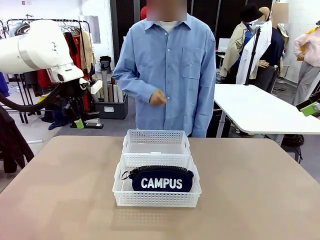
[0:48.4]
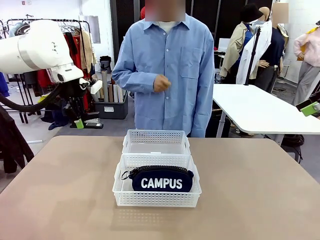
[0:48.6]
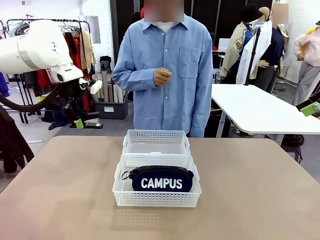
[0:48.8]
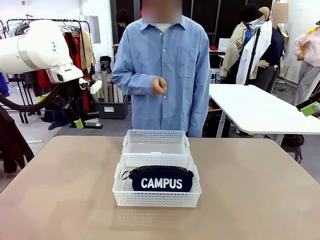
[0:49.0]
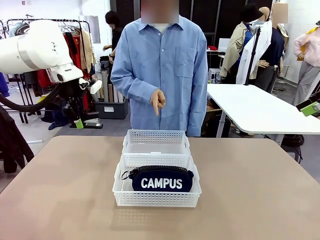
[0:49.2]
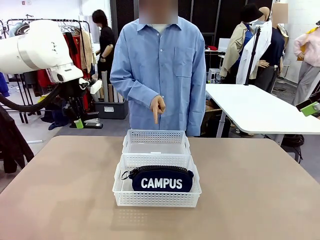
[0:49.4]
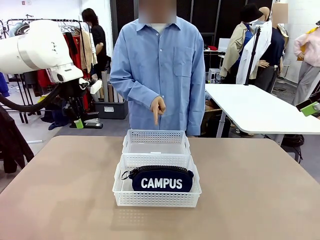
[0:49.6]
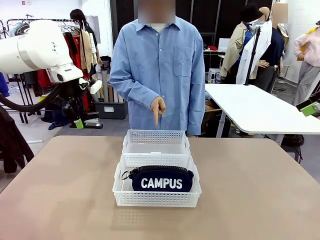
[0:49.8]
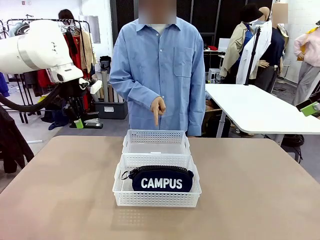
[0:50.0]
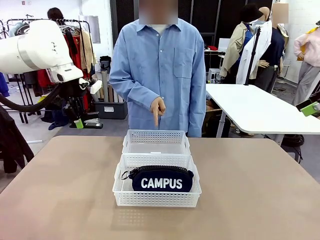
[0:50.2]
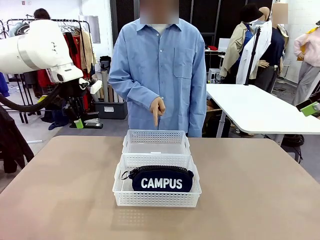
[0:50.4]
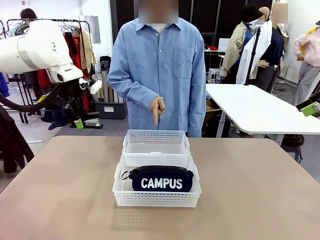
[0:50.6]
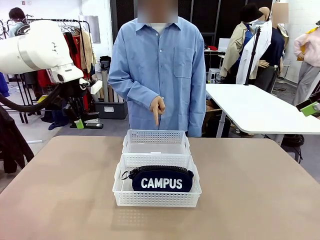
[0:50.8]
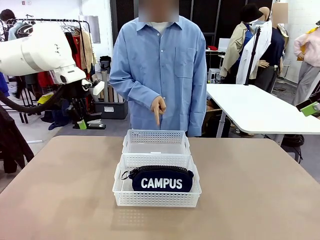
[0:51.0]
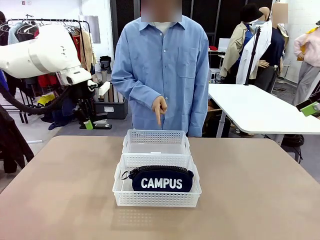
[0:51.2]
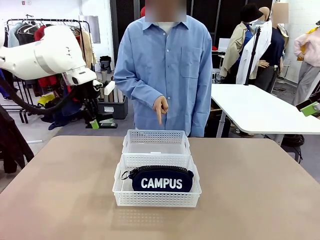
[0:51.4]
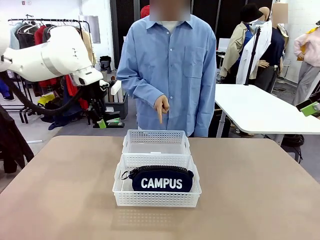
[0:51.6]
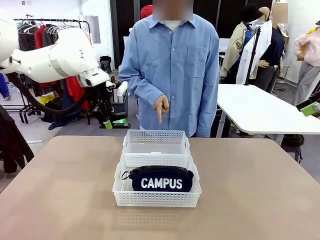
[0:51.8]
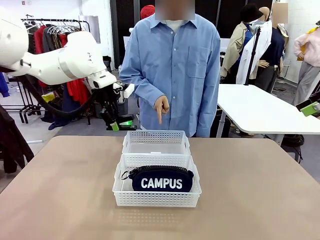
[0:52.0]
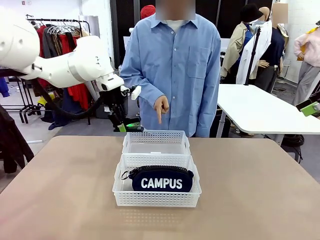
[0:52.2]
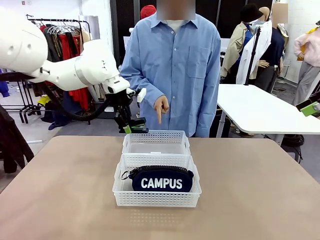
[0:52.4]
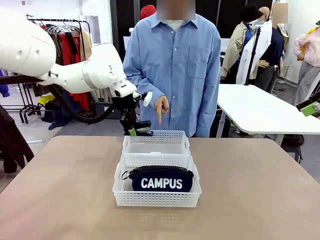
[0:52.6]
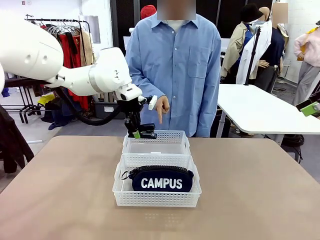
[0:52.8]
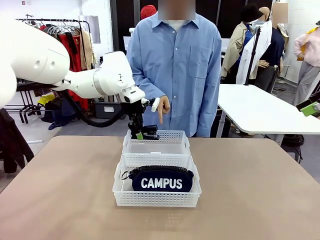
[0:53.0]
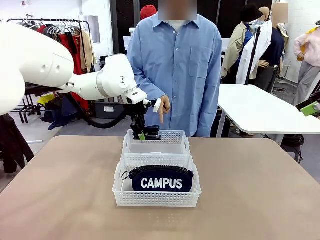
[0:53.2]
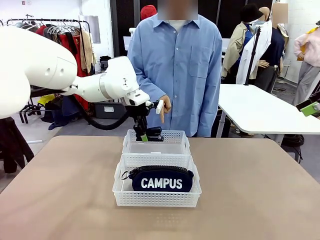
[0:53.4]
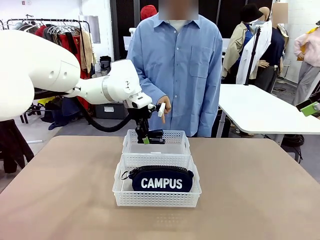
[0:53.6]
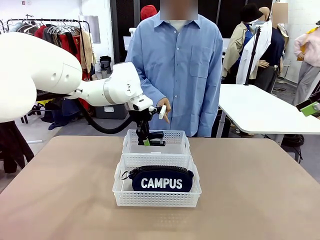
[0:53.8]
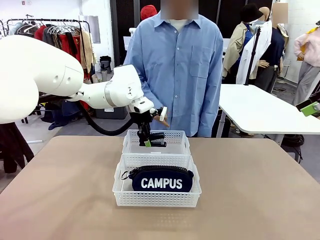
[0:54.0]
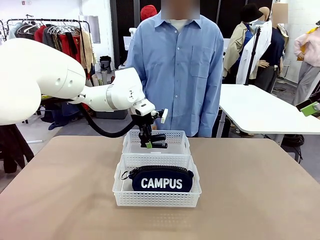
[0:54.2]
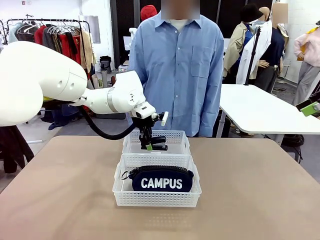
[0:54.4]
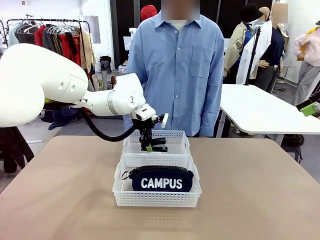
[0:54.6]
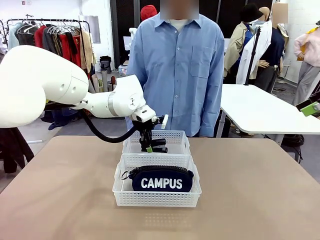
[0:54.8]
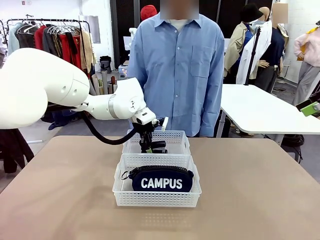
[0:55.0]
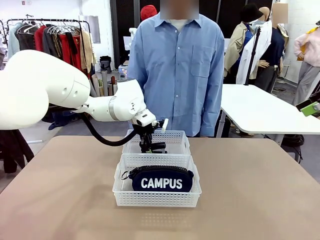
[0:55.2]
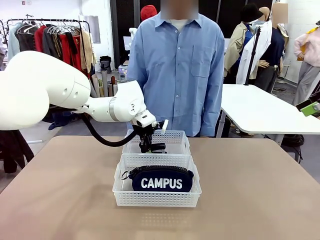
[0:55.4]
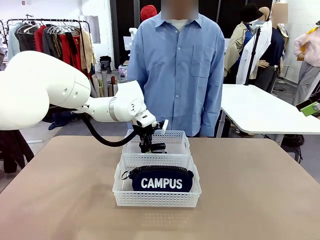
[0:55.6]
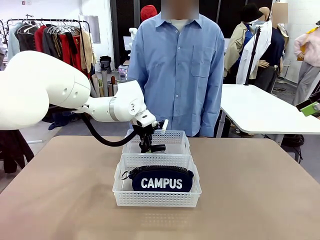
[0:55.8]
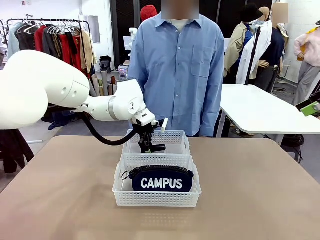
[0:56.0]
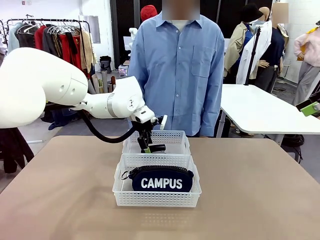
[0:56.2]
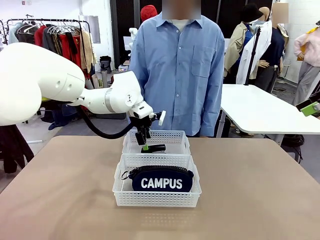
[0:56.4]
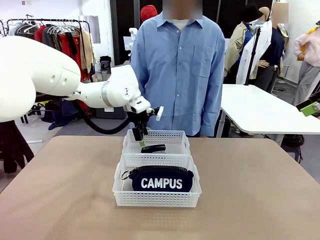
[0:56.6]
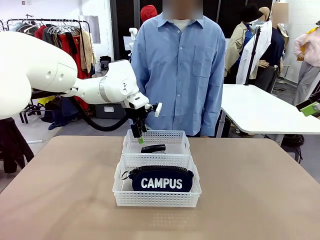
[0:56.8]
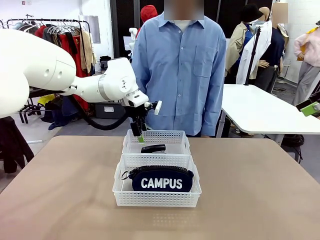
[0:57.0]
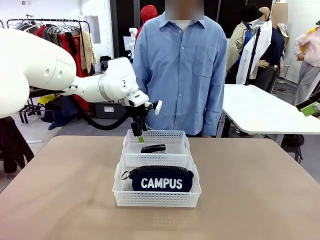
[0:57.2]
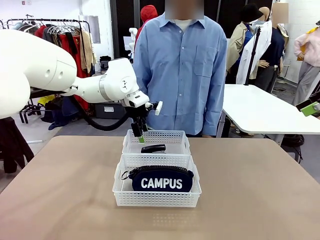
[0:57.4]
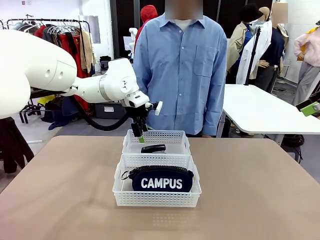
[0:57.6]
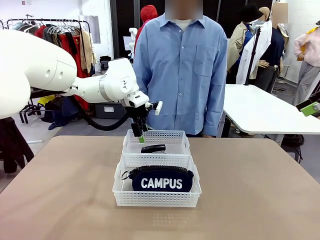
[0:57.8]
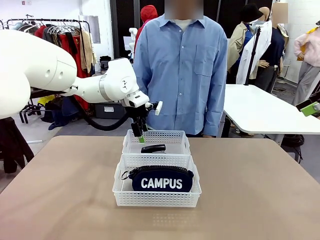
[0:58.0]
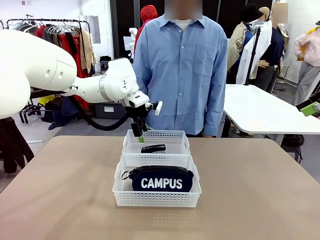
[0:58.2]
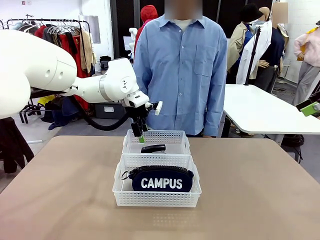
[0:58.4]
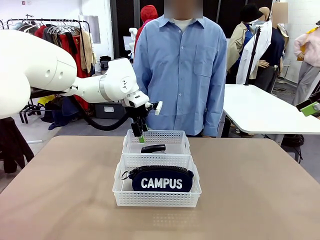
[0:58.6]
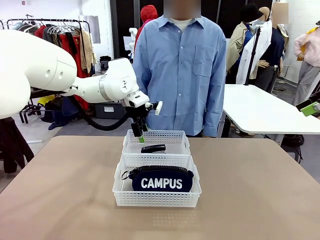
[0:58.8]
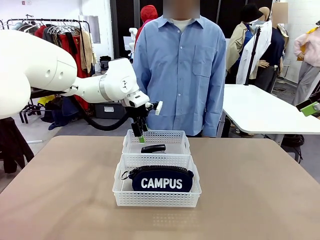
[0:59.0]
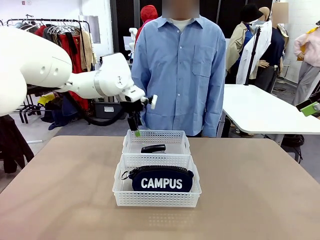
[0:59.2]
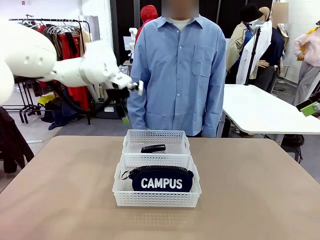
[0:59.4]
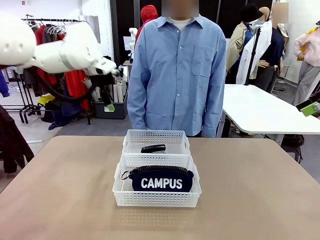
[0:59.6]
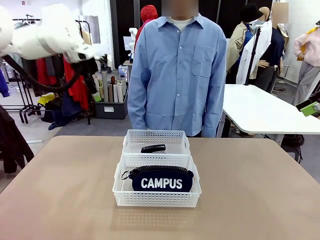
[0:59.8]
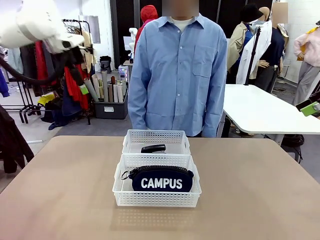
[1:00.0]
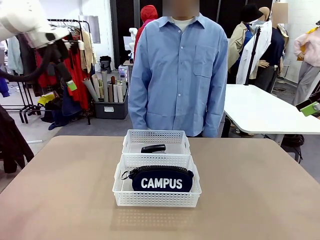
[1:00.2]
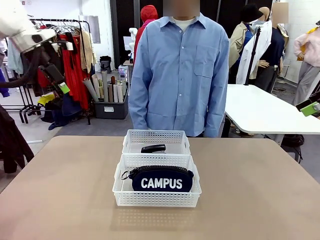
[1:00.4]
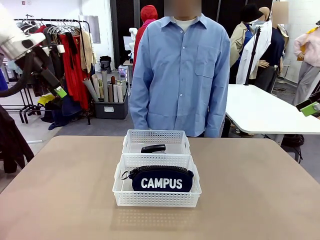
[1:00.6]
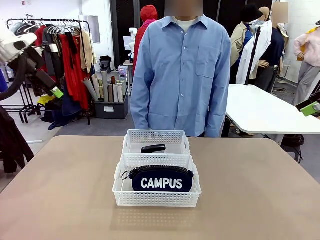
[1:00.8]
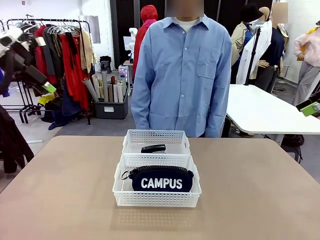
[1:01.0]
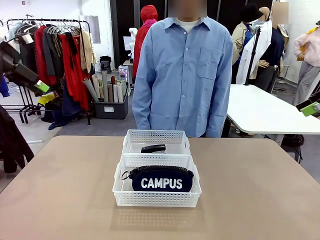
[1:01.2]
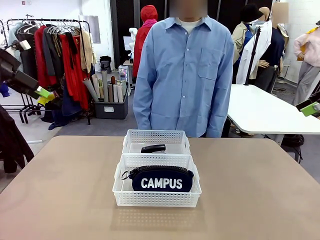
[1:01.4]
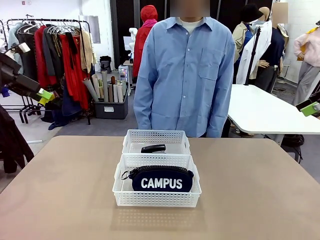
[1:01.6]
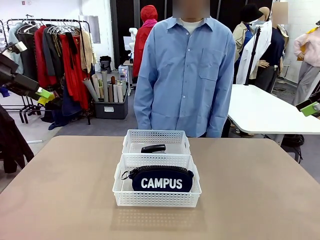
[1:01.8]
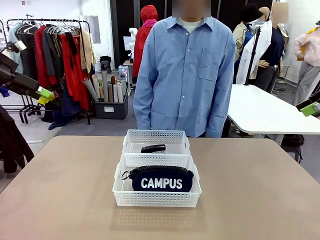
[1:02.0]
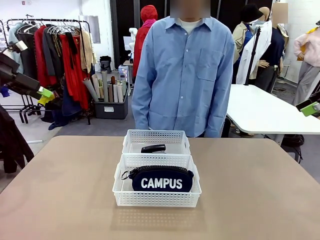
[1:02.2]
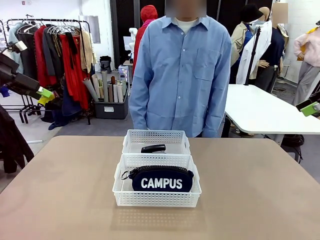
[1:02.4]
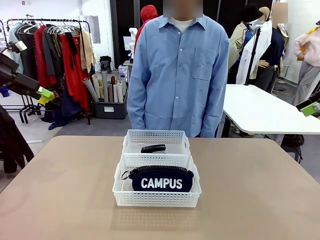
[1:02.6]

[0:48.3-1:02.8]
Task: Distribute items into two baskets.
Robot: Place the picked Stapler into the Organizing basket as instructed by the person.
Person: Points to the basket that does not contain the pencil case and instructs the robot to move the stapler there.

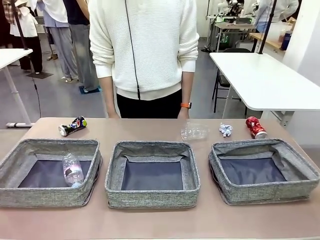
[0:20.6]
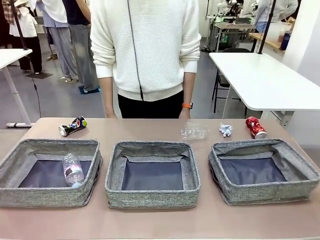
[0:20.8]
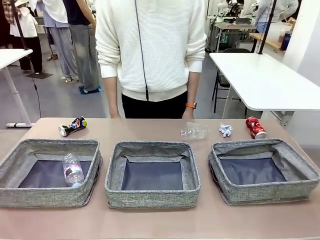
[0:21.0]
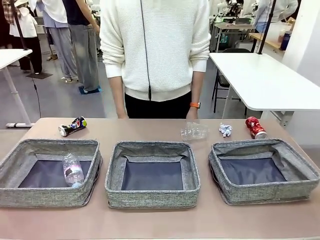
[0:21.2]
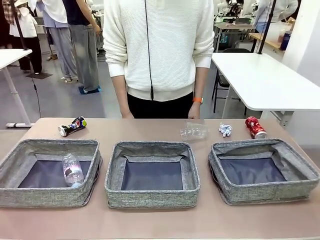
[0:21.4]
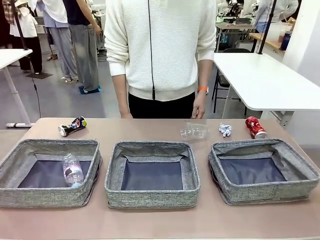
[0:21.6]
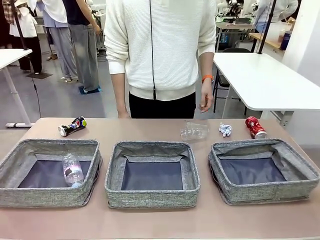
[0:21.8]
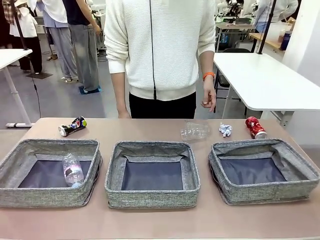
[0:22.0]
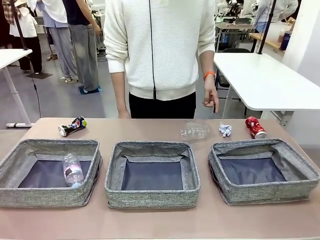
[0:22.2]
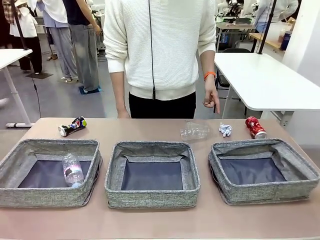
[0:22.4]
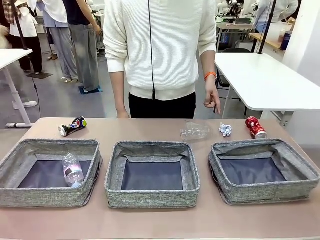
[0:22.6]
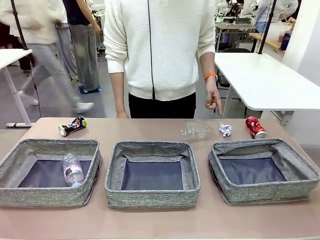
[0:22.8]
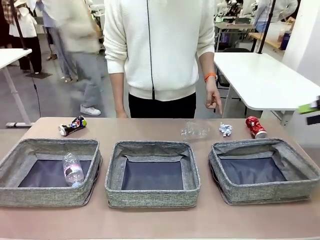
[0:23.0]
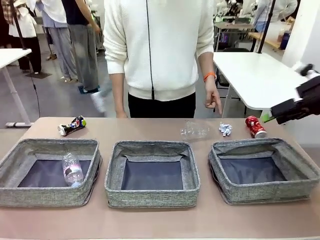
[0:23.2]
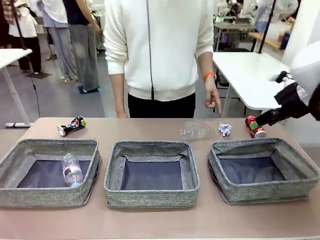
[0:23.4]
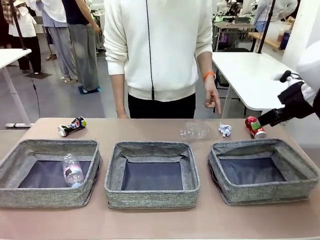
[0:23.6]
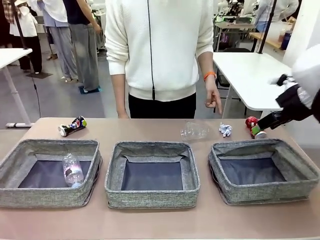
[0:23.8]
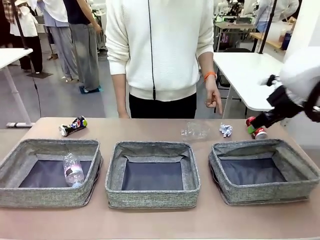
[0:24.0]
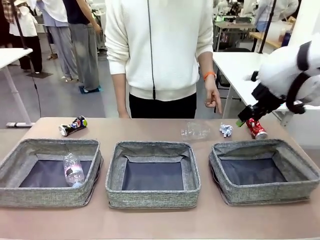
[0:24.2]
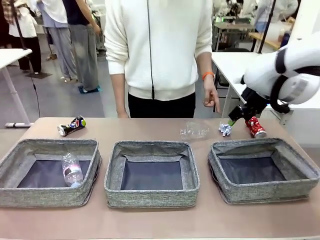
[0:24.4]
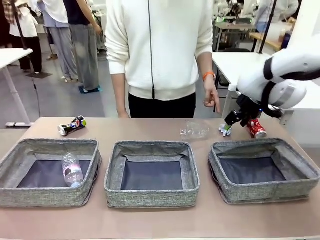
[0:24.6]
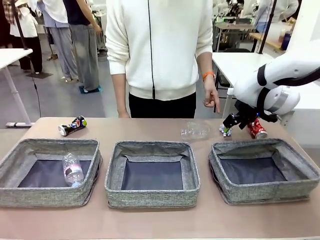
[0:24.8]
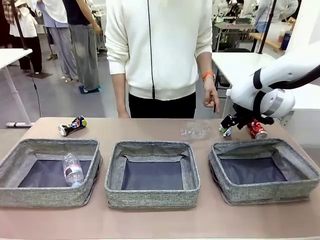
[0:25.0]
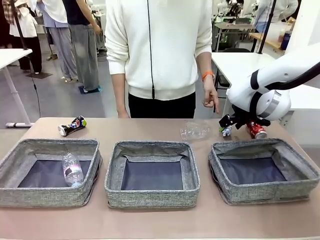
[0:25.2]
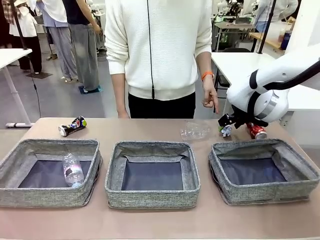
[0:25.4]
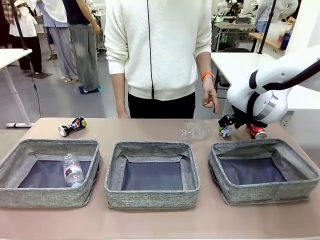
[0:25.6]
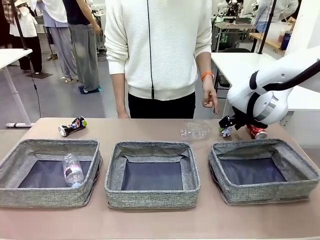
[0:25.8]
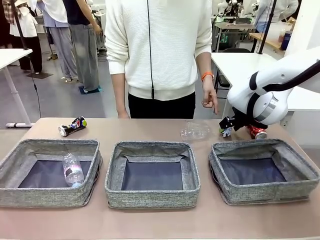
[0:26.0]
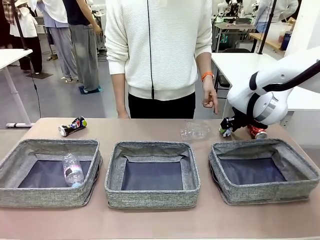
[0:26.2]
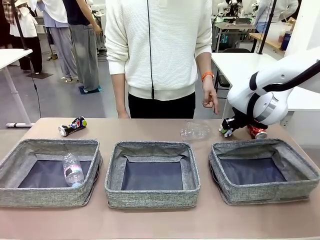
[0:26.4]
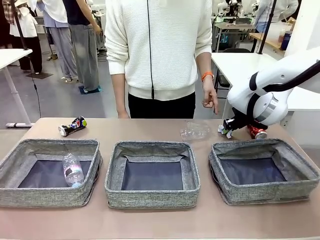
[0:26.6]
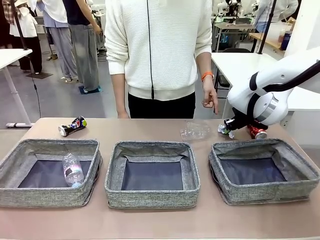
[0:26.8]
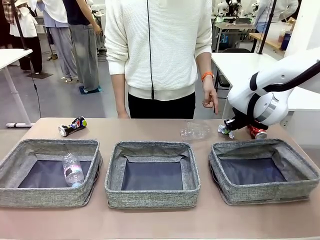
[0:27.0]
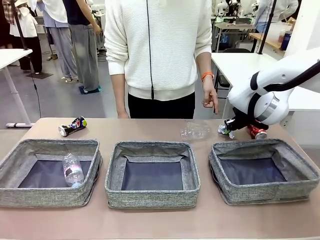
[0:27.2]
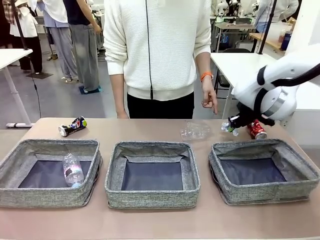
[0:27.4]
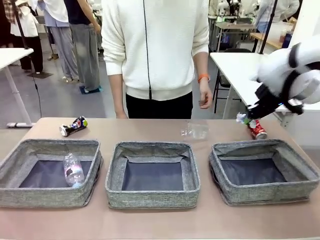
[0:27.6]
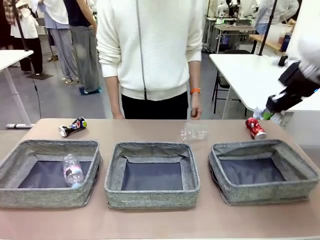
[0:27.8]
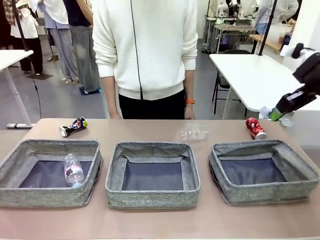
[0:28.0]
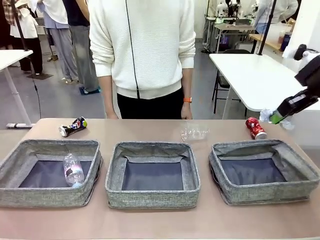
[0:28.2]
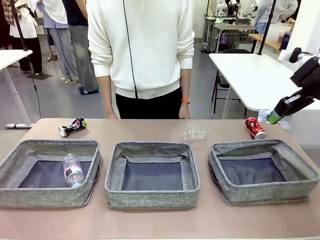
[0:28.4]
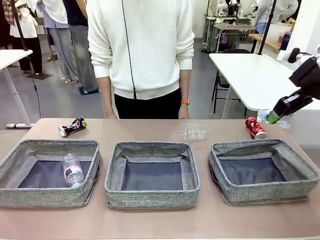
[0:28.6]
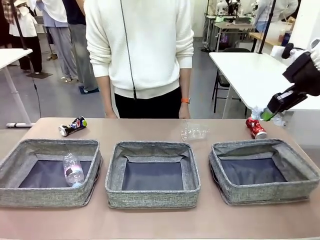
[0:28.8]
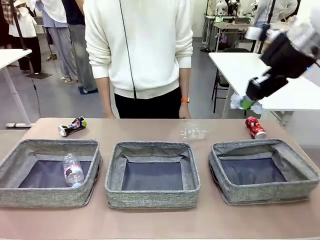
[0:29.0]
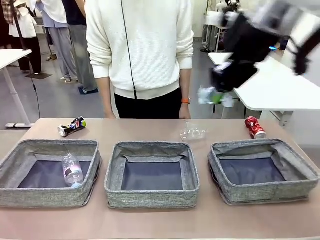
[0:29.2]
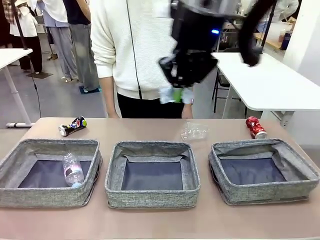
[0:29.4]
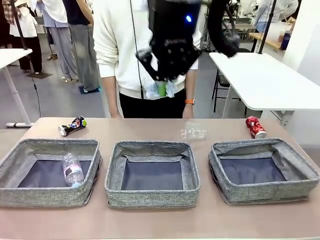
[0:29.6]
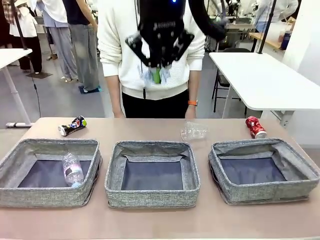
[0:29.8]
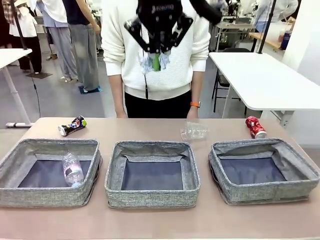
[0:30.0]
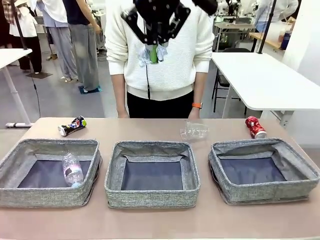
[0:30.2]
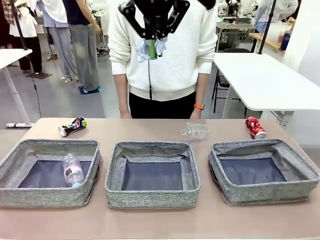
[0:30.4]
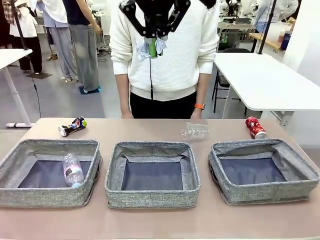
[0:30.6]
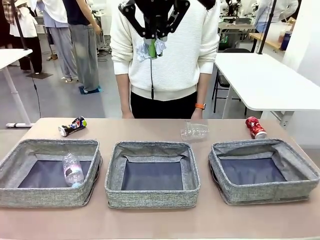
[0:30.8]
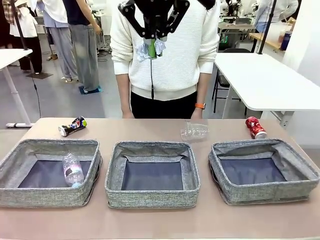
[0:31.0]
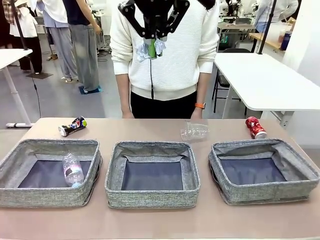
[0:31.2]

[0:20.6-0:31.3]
Task: Sort the waste into the appropriate baskets.
Robot: Pick up the waste item pointed out by the person.
Person: Points to one piece of trash on the table.
